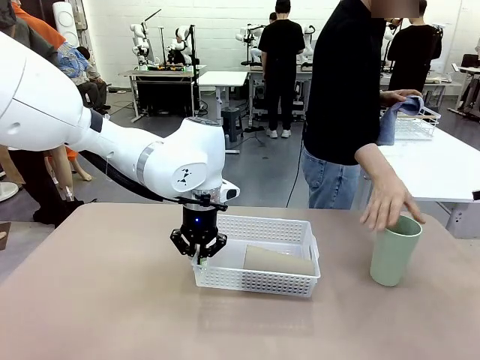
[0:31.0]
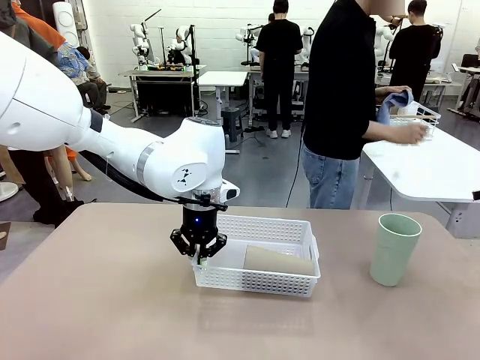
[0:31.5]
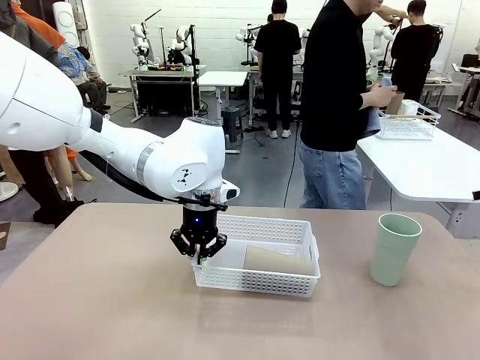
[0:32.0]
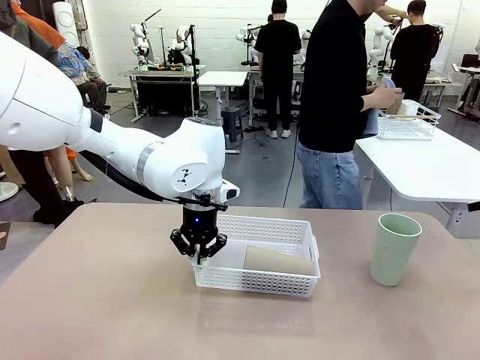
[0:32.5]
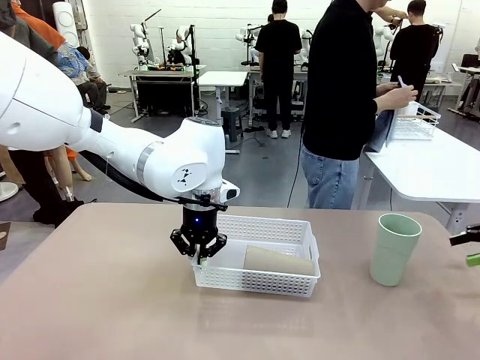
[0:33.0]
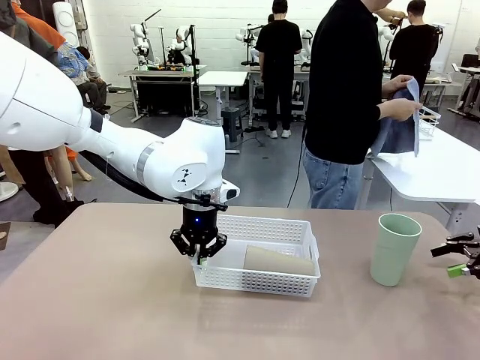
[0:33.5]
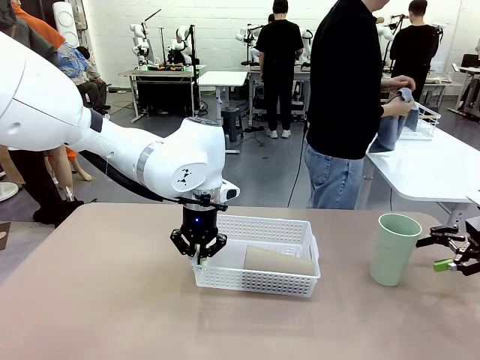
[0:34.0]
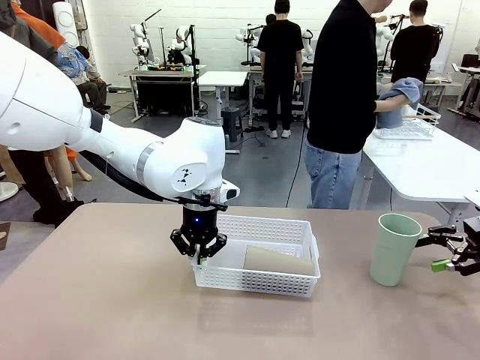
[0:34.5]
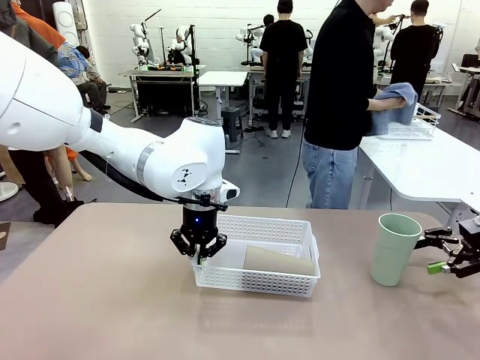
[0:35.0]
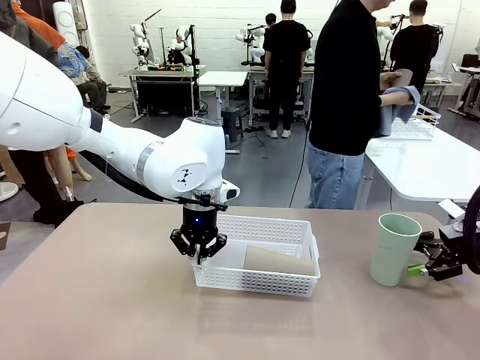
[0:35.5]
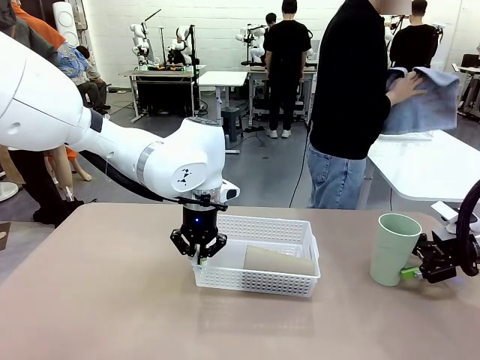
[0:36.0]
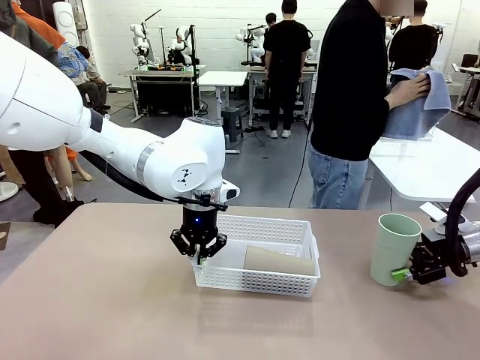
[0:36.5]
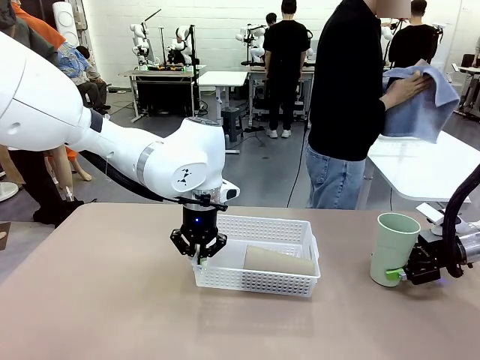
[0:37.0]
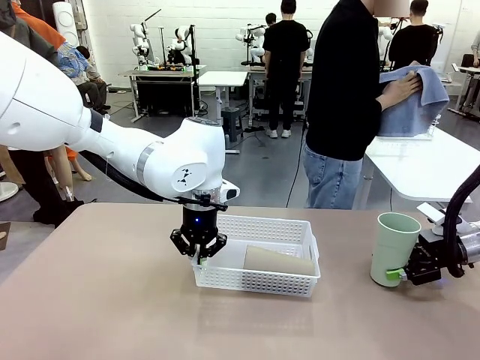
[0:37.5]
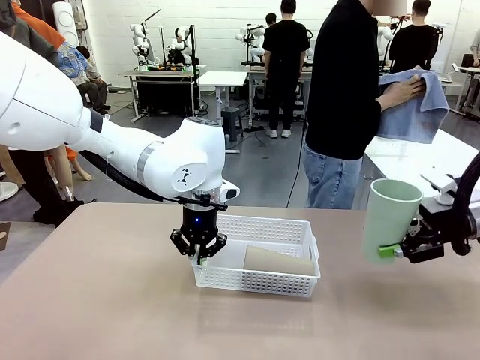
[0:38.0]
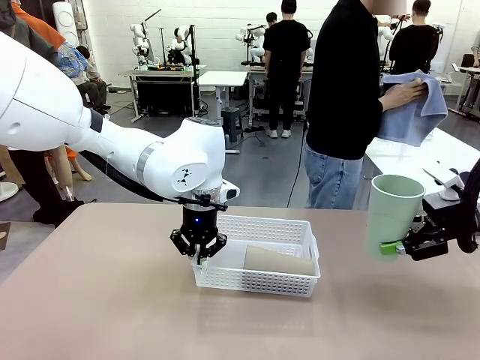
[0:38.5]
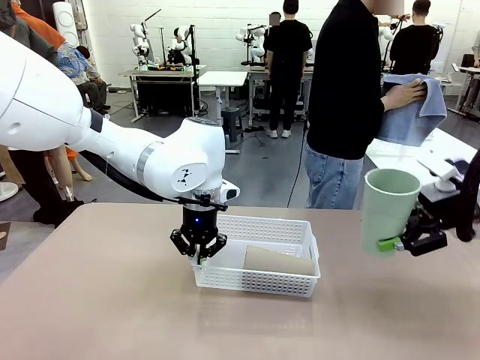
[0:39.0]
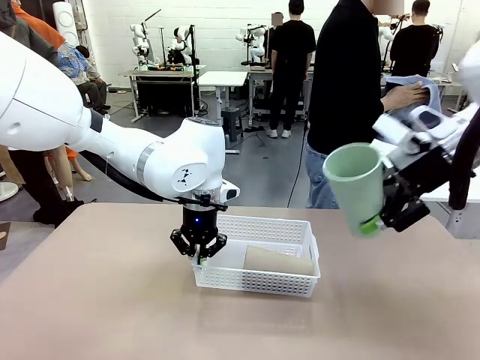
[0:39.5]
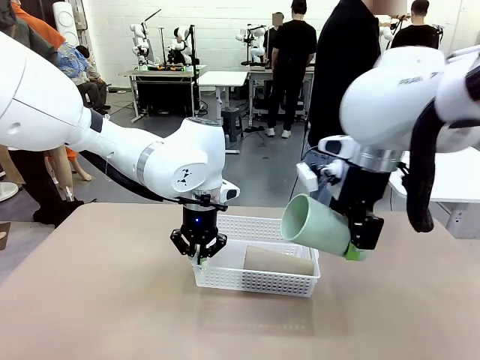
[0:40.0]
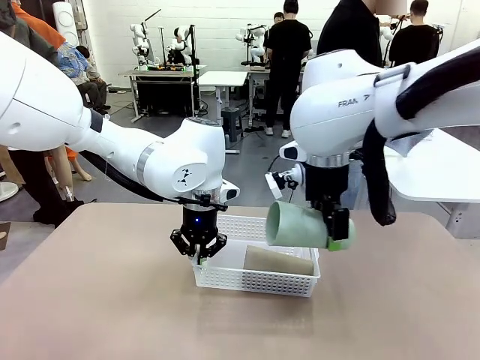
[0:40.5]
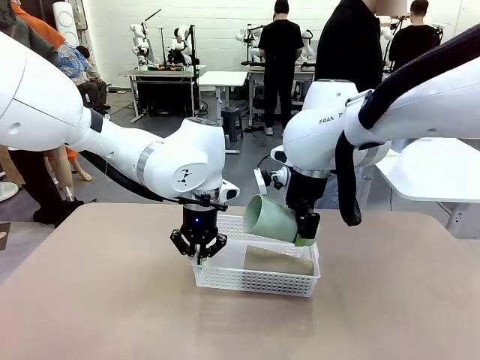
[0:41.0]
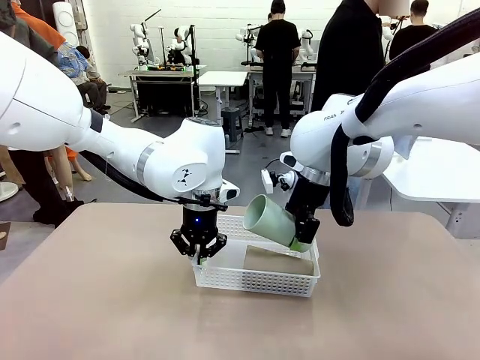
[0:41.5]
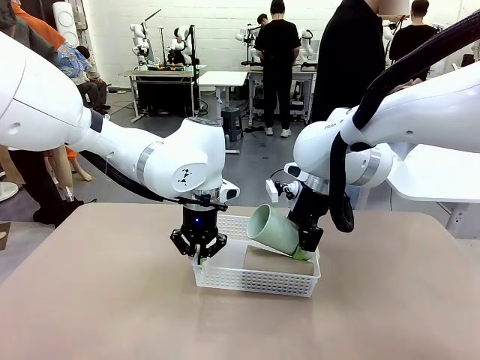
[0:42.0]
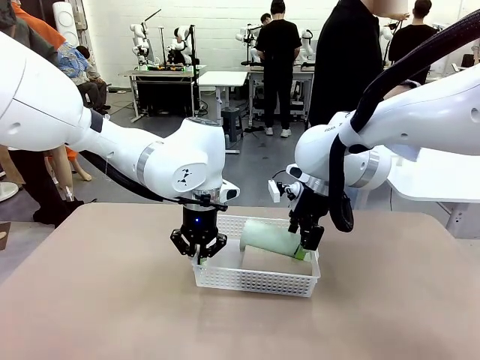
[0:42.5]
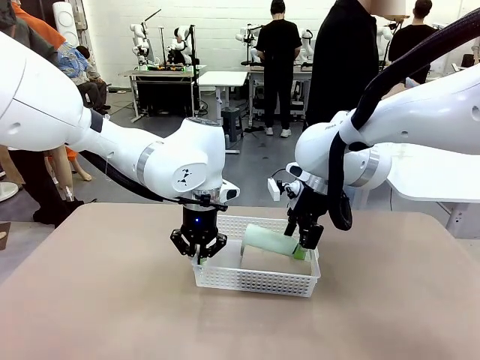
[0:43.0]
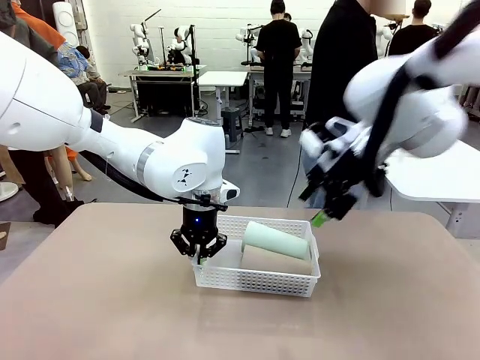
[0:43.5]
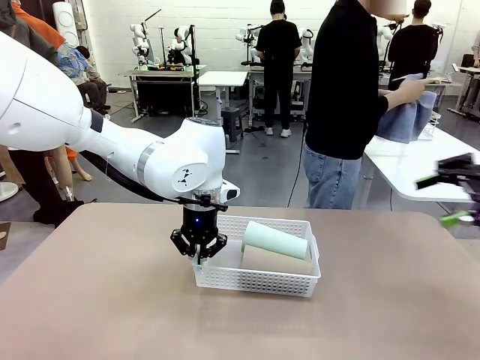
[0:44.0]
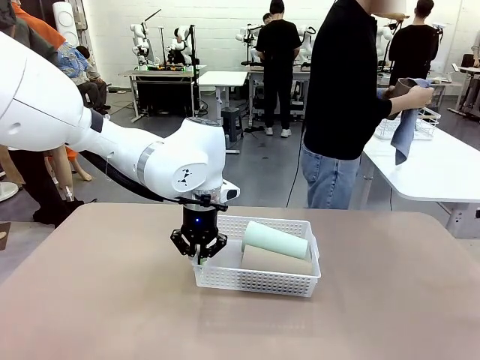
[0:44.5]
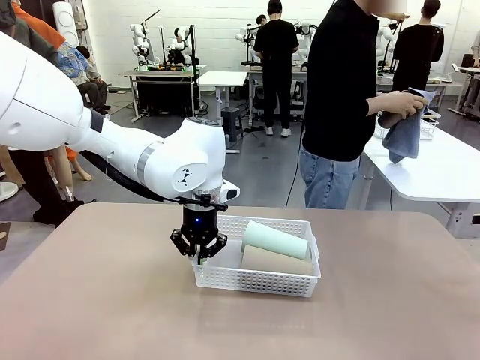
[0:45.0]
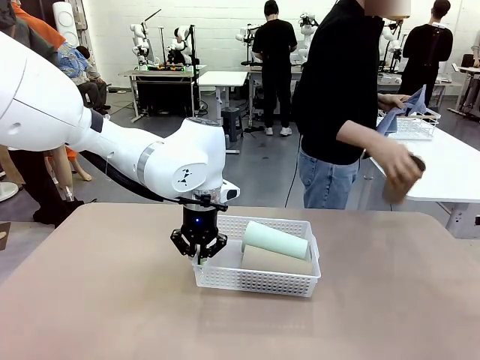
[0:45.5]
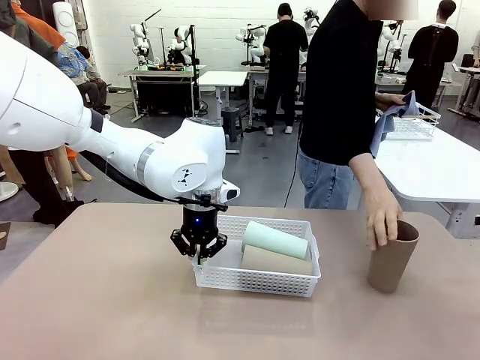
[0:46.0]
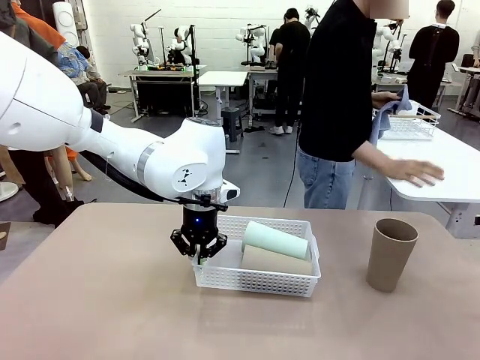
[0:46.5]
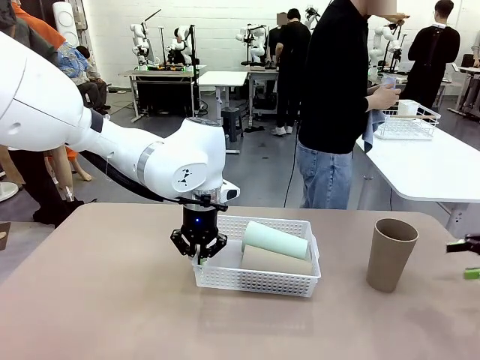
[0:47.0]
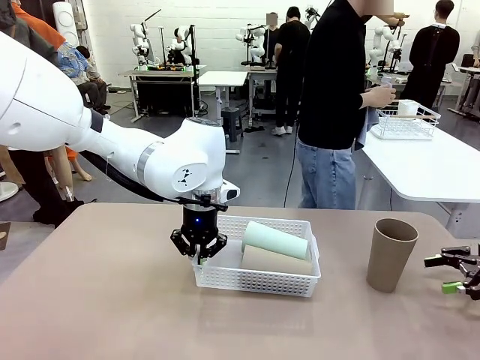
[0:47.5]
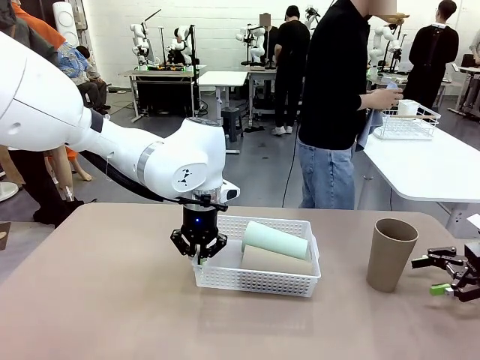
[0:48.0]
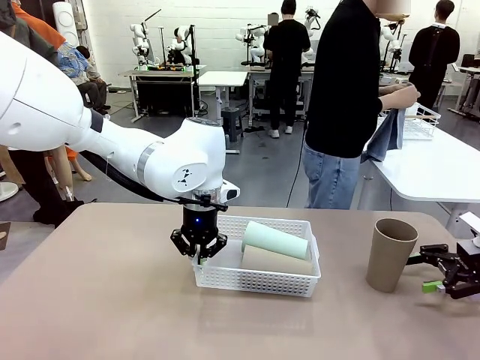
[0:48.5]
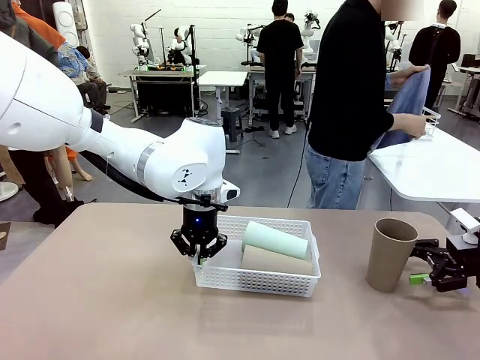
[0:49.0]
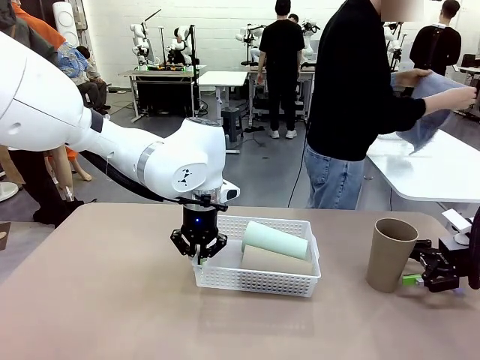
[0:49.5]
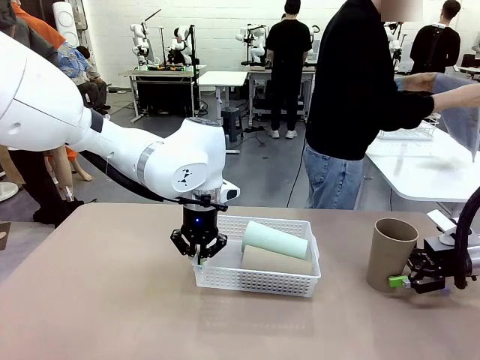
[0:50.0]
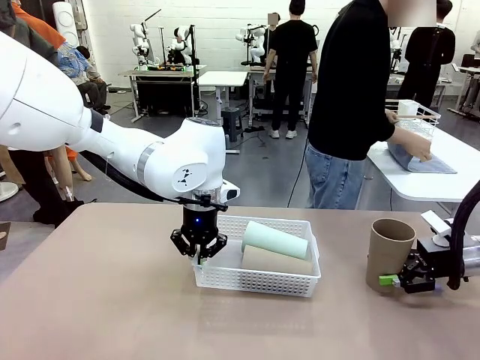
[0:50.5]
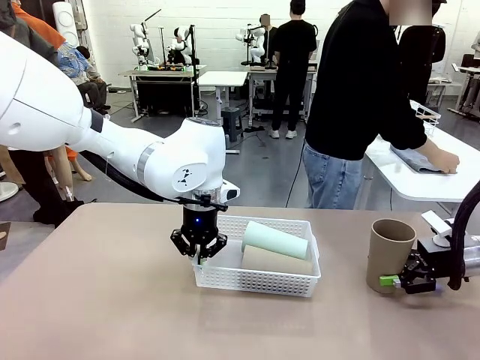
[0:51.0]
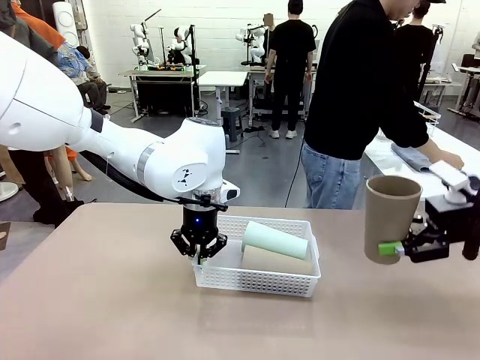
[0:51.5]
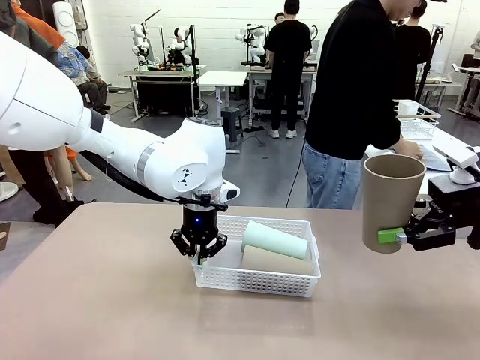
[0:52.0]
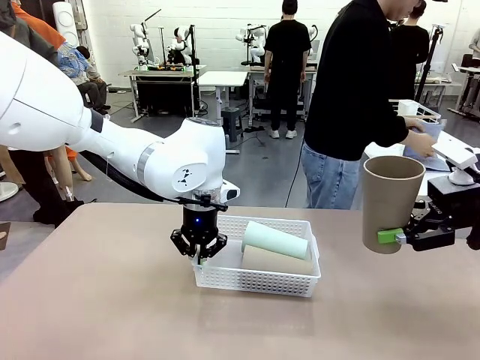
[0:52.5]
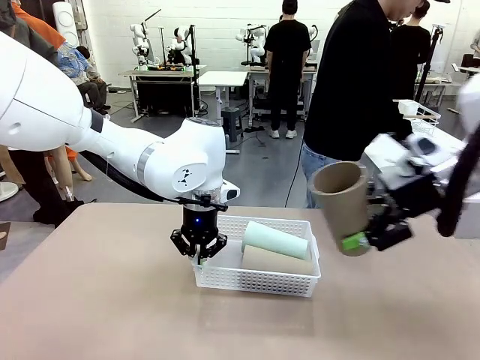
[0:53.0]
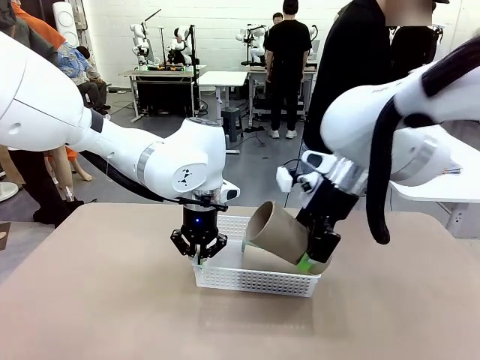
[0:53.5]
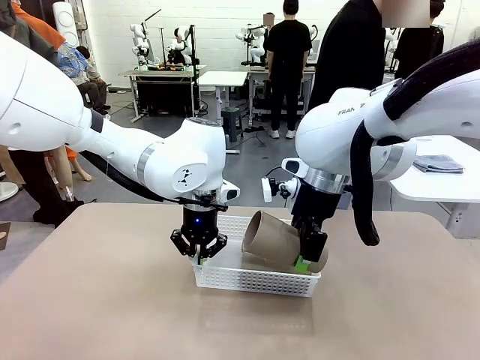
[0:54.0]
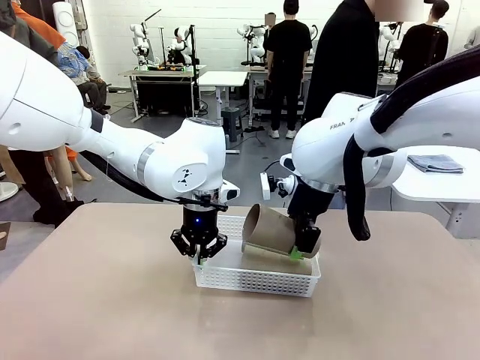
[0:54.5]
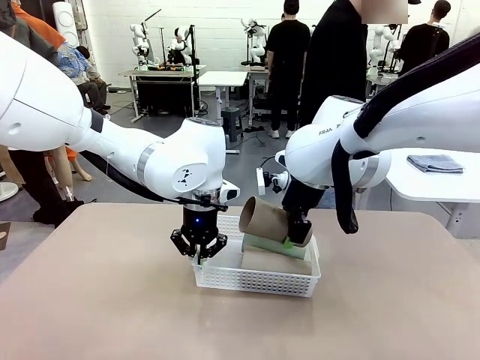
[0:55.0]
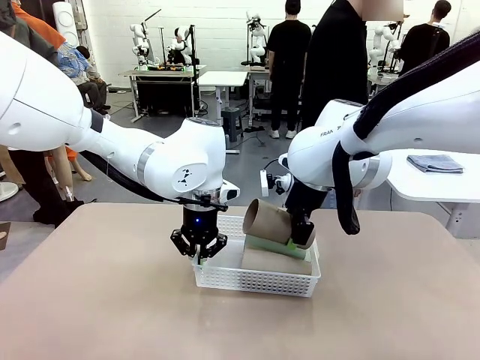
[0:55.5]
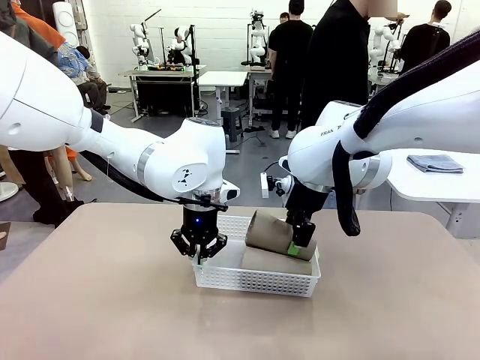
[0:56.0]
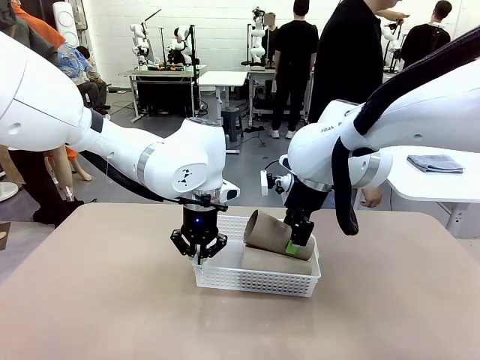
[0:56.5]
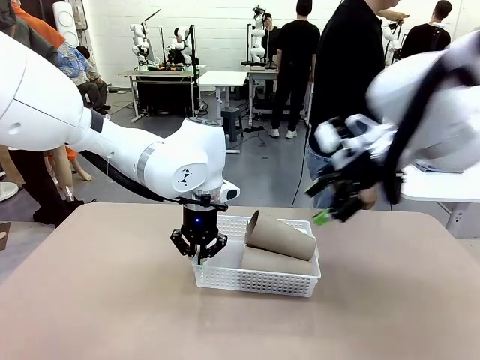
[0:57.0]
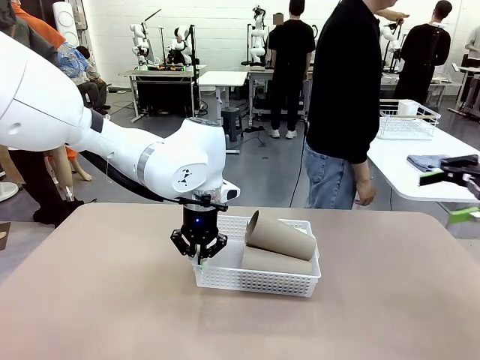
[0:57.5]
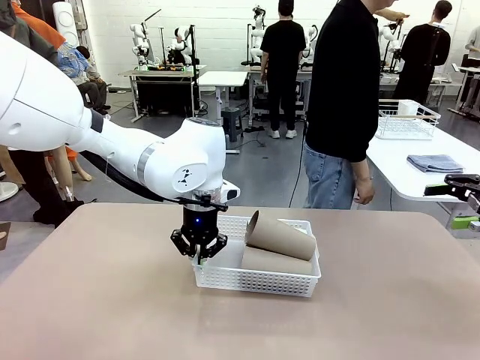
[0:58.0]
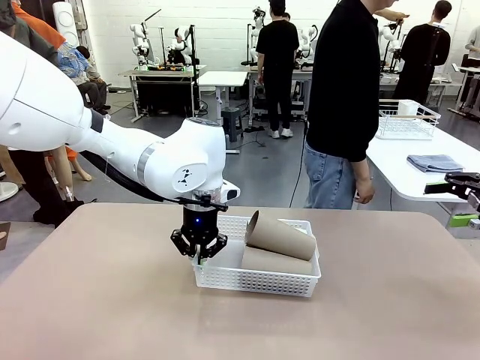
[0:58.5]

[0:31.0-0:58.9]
Task: Clean and organize the cups into the basket.
Robot: Pick up the Reusable plastic cup from the right side of the table and stack it inside the Organizing basket in the center of the table.
